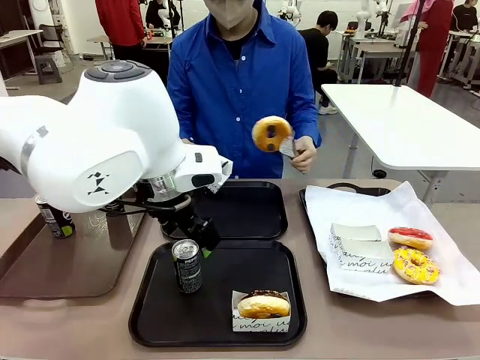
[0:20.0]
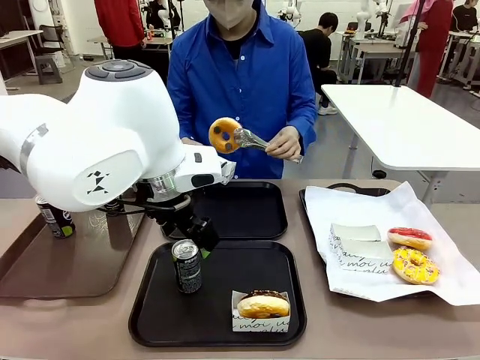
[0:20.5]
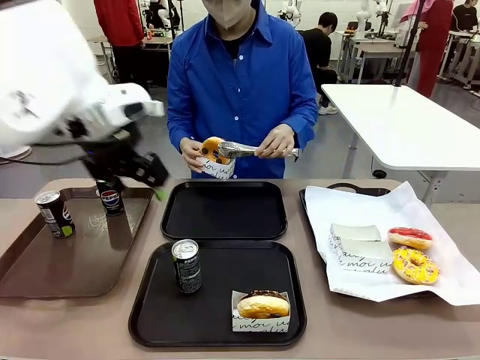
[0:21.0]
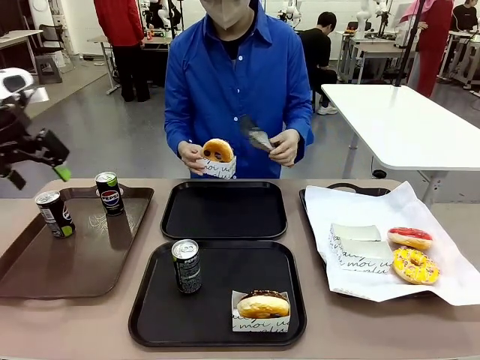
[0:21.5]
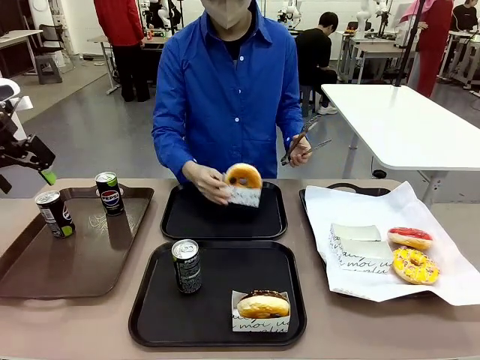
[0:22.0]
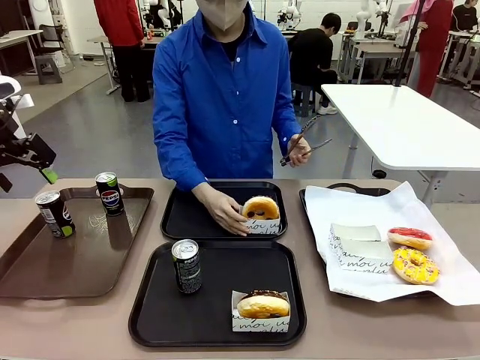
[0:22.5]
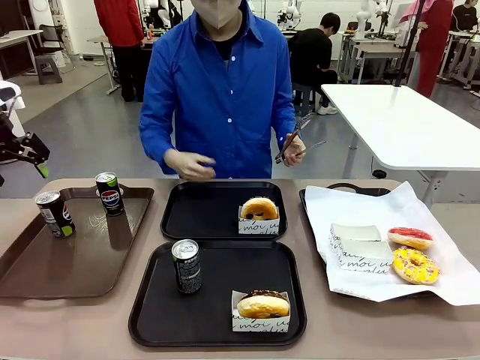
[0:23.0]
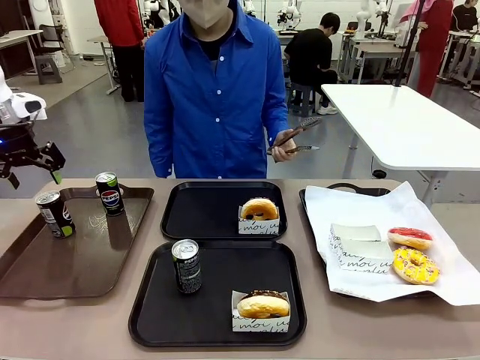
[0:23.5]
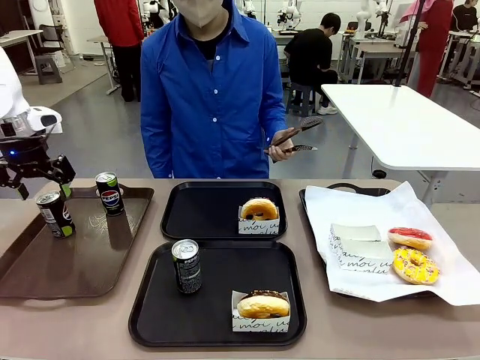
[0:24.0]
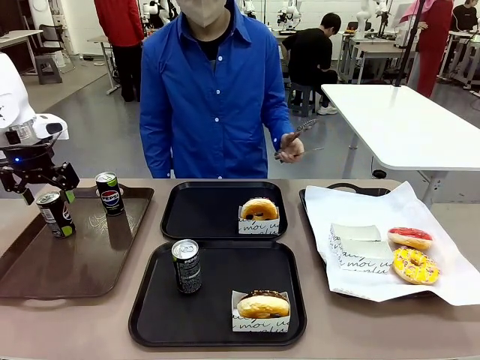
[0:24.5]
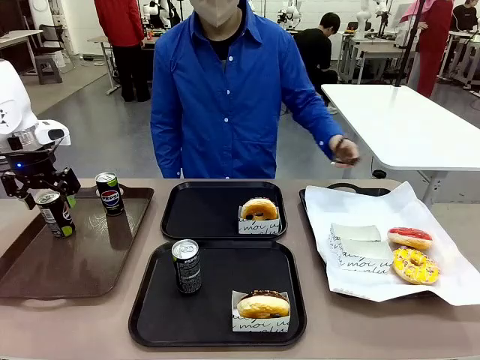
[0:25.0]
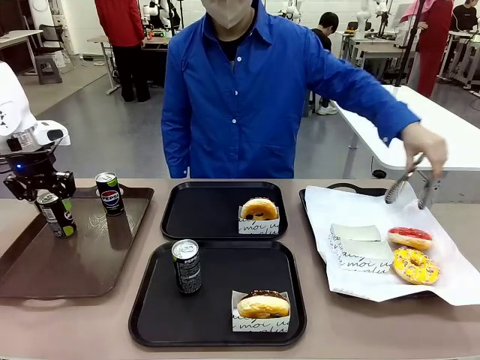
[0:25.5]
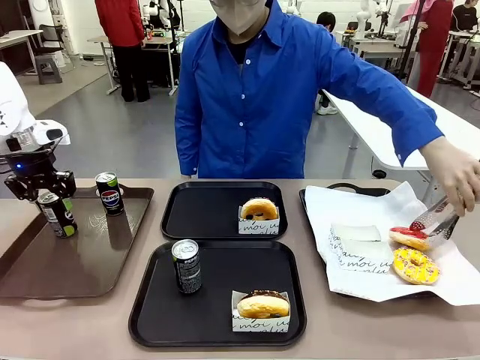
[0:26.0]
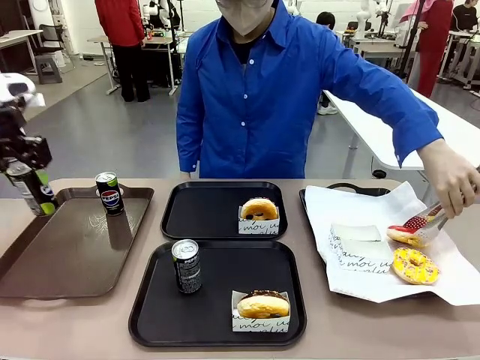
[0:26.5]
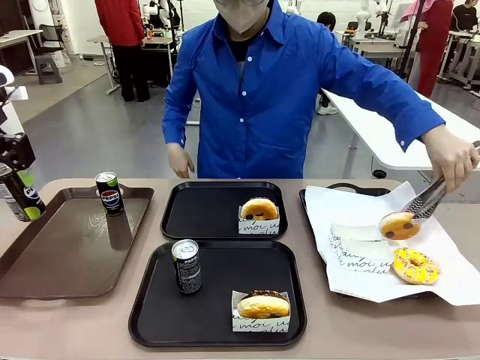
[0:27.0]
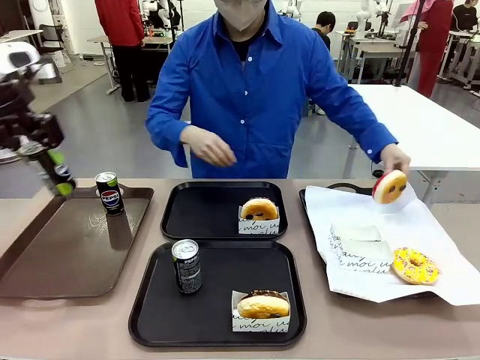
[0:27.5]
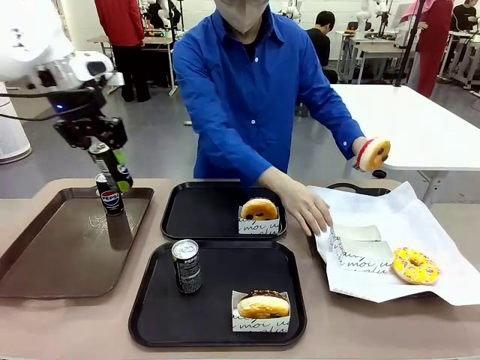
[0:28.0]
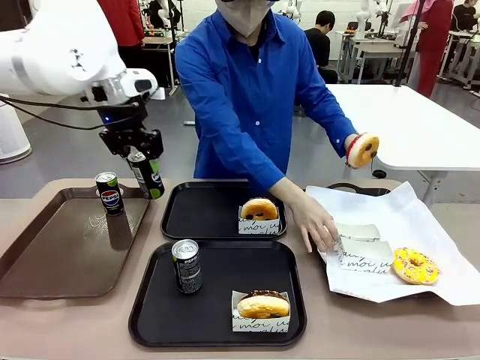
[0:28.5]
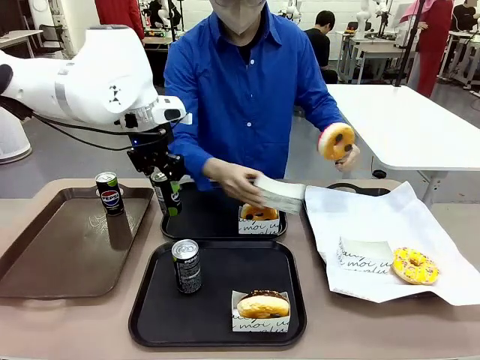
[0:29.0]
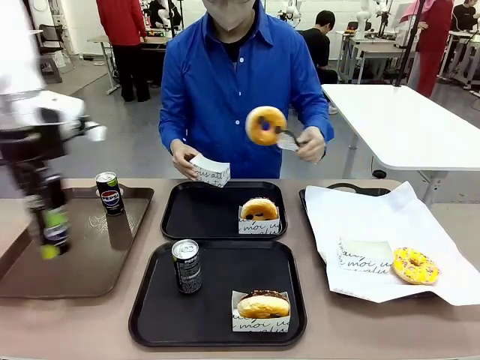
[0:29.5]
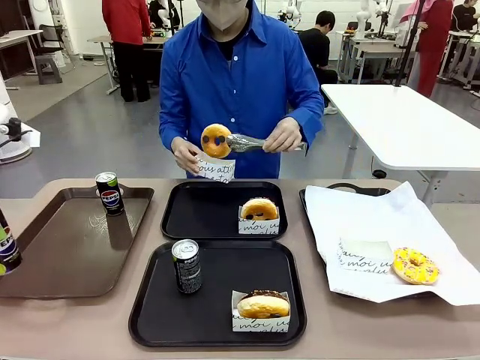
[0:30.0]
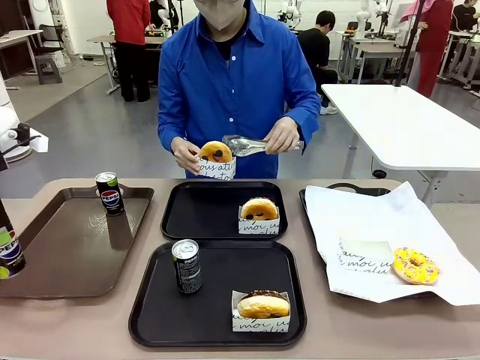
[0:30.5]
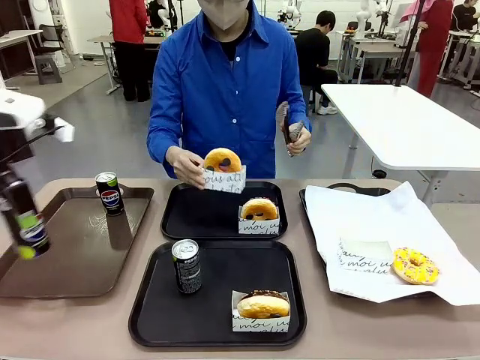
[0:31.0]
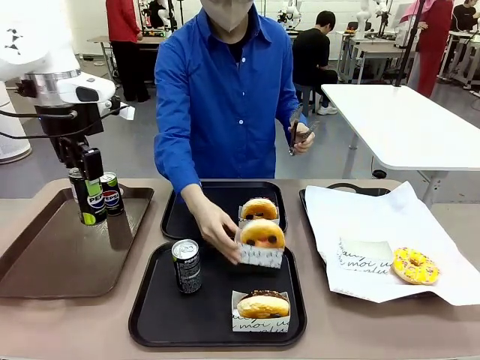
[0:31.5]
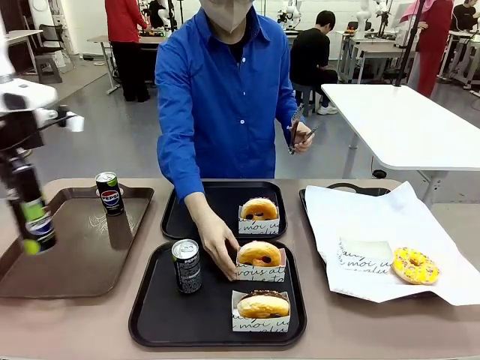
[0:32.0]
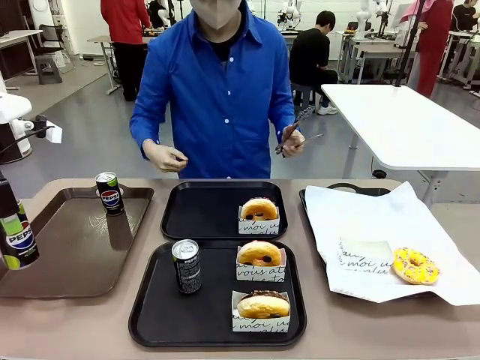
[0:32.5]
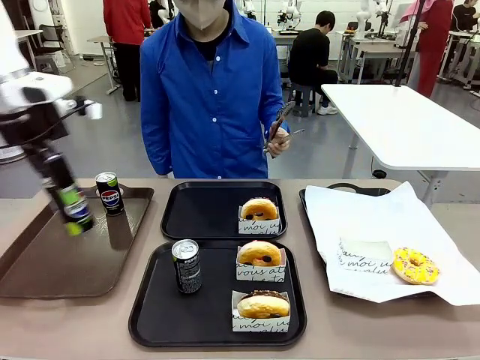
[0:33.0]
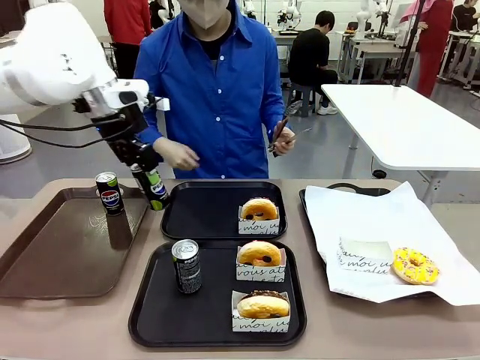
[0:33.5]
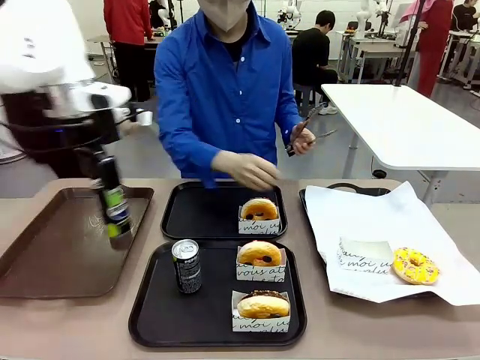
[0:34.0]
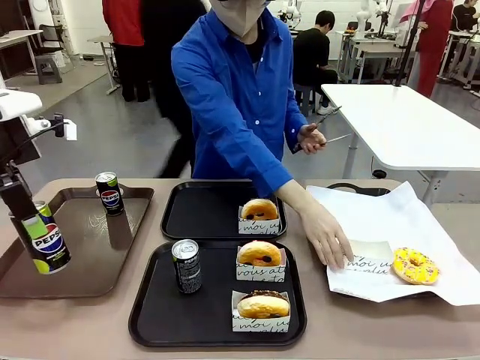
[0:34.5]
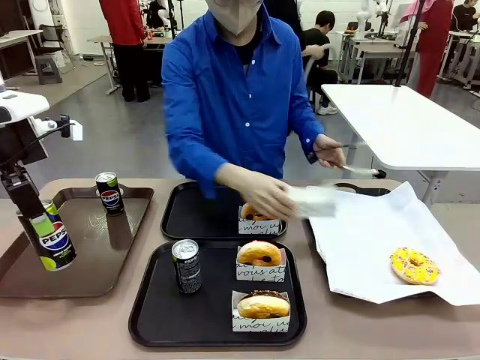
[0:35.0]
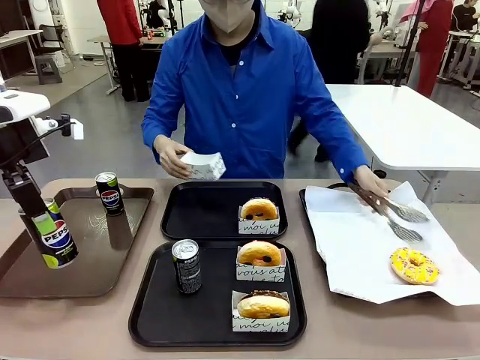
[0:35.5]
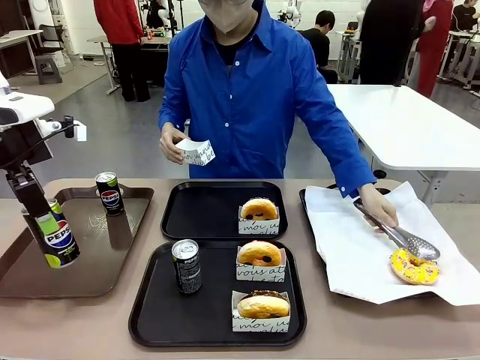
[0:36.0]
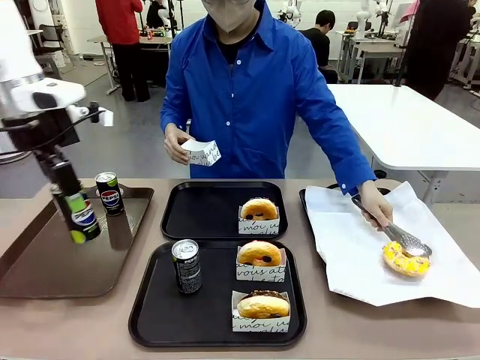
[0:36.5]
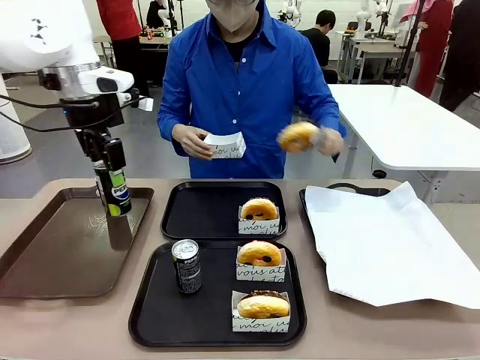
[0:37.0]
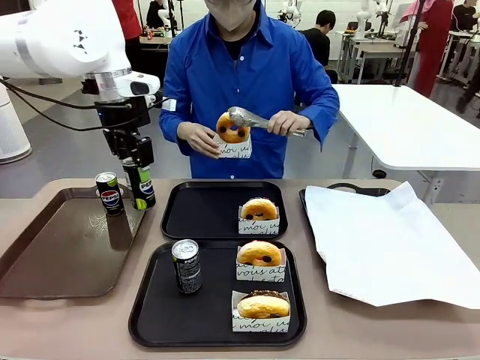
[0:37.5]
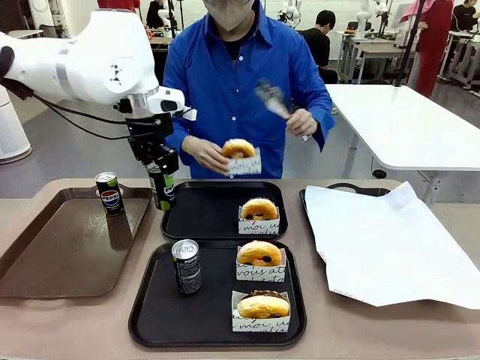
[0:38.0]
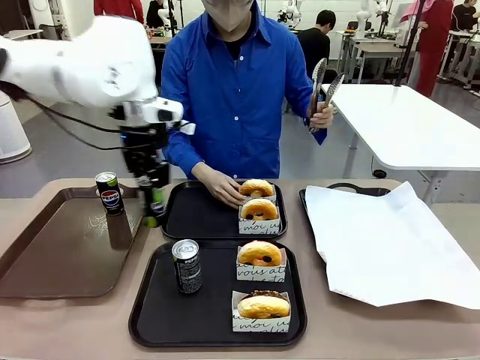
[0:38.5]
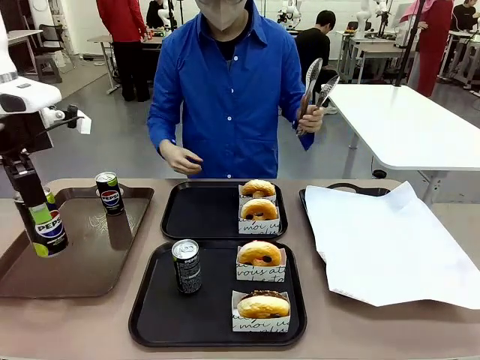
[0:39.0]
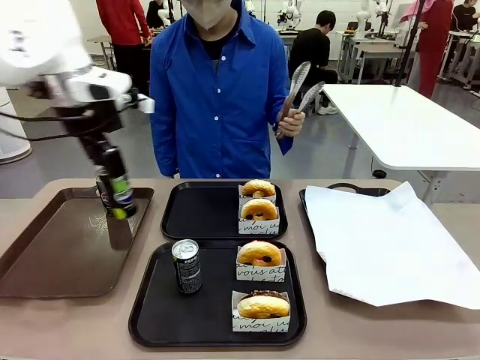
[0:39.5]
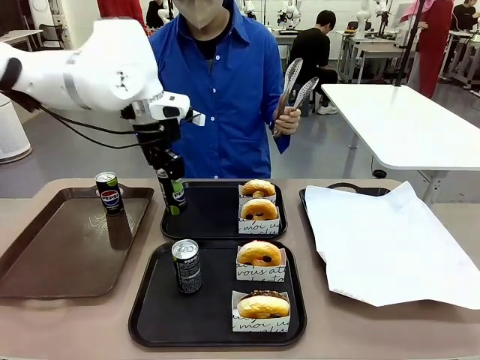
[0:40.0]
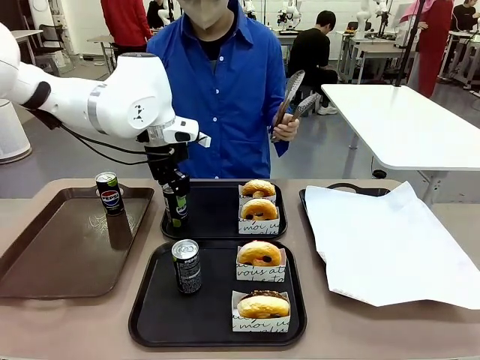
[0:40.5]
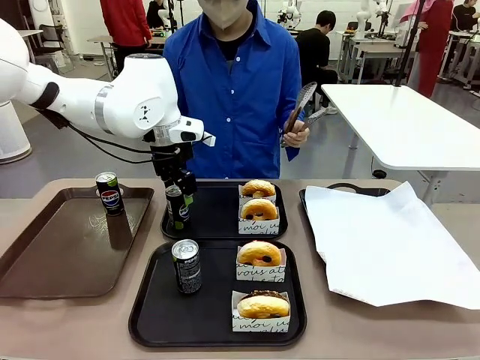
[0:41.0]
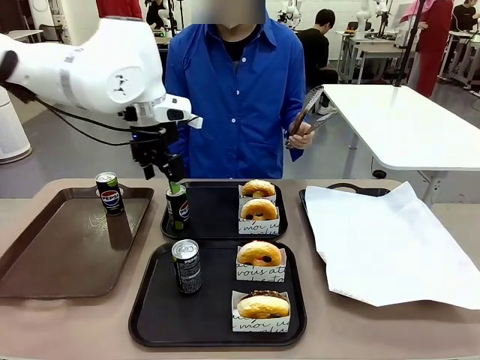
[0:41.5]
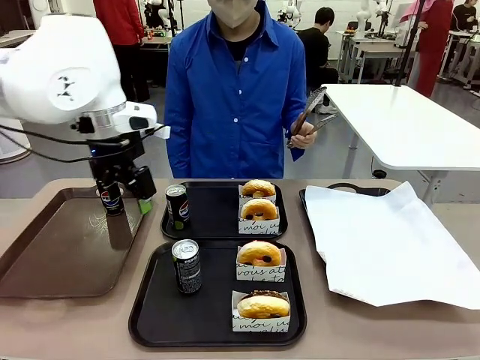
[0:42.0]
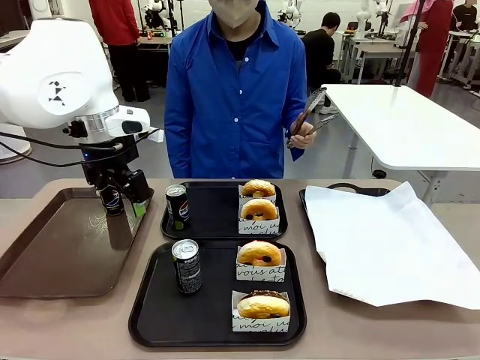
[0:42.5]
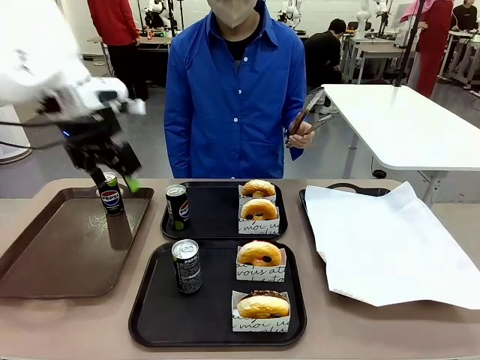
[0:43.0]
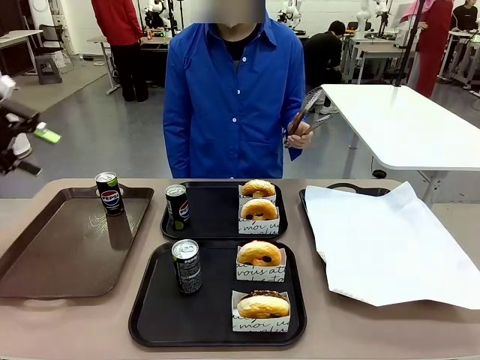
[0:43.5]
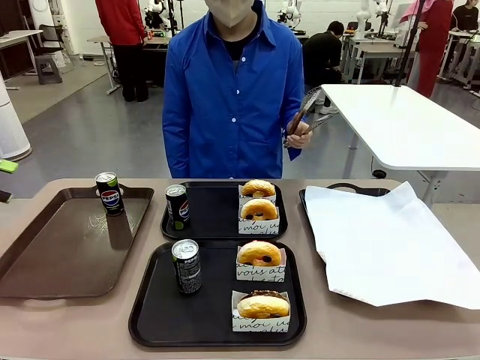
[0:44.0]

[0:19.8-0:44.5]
Task: Set up donuts and drinks on trays.
Robot: Pick up one Pepsi coke from the Handle tray and place it on the Flat Tray without a Pepsi coke.
Person: Pick up one donut with tongs, place it in the donut tray, and then place the donut tray on the flat tray.
